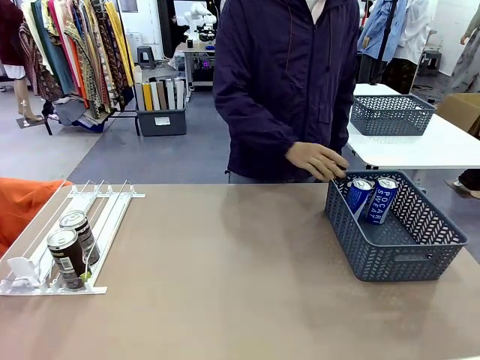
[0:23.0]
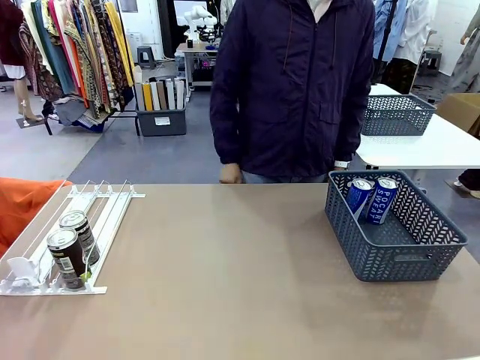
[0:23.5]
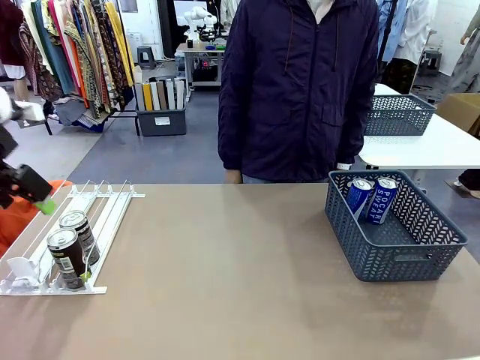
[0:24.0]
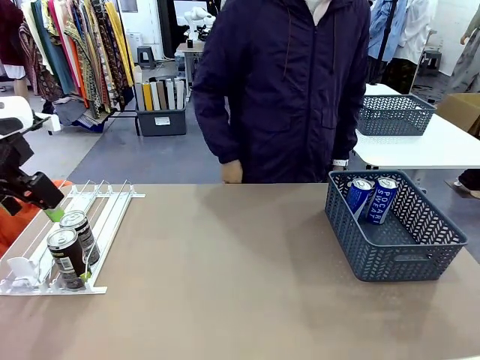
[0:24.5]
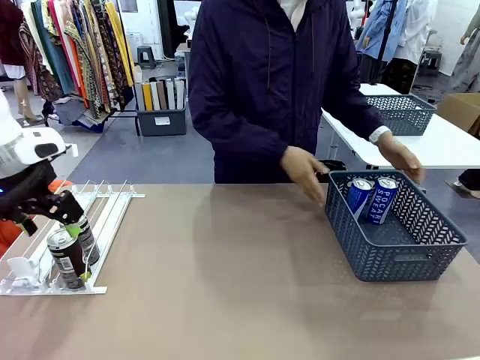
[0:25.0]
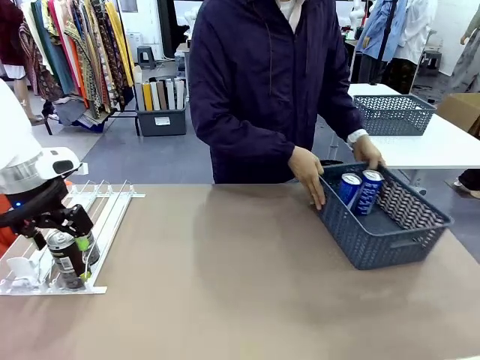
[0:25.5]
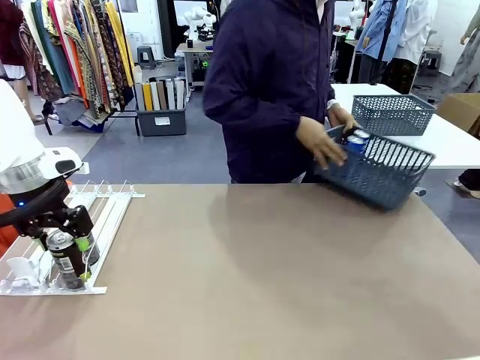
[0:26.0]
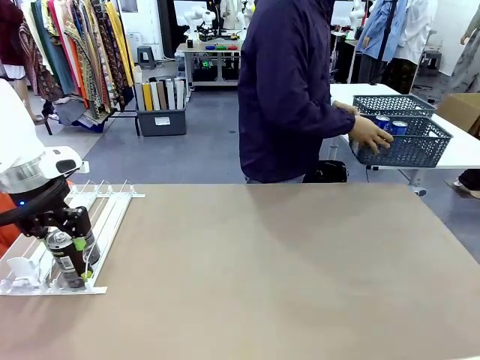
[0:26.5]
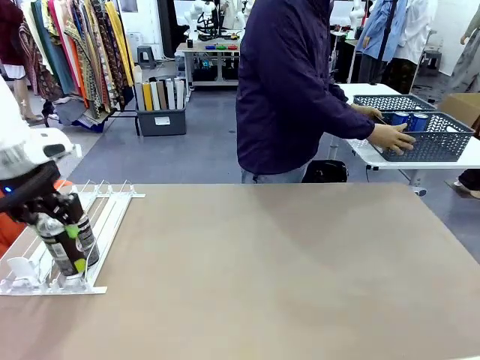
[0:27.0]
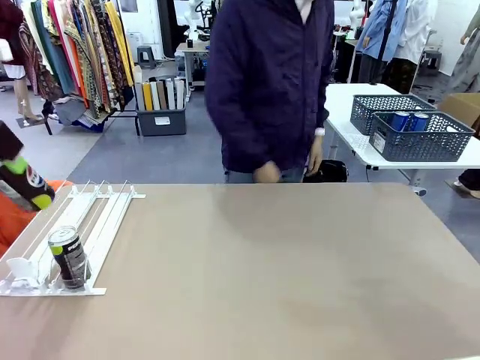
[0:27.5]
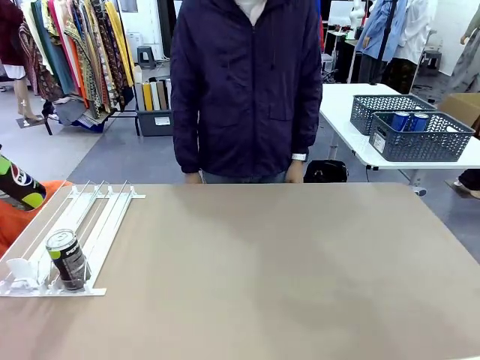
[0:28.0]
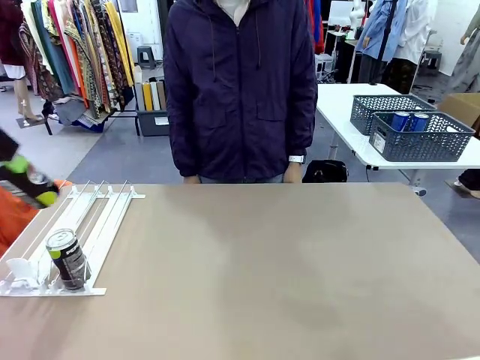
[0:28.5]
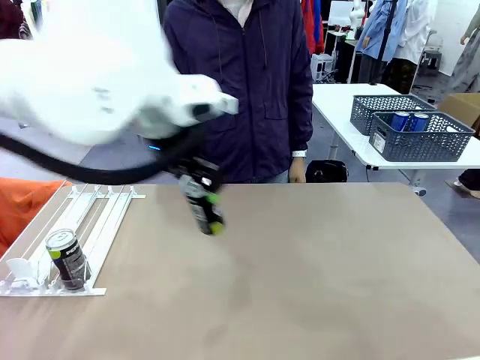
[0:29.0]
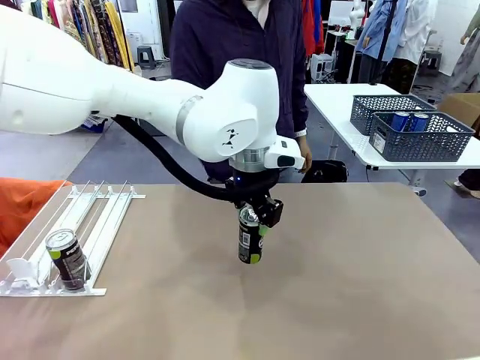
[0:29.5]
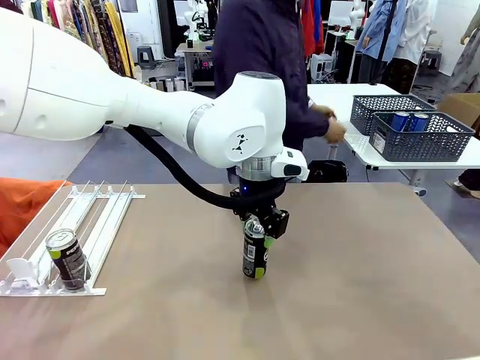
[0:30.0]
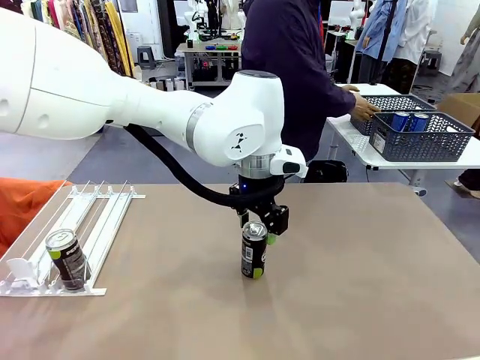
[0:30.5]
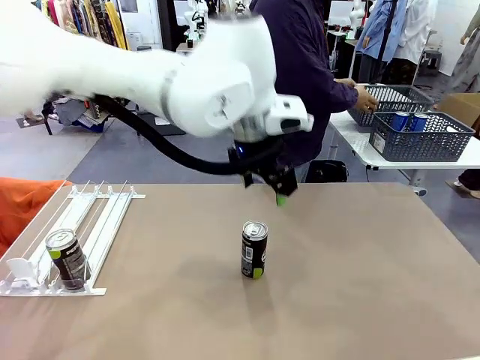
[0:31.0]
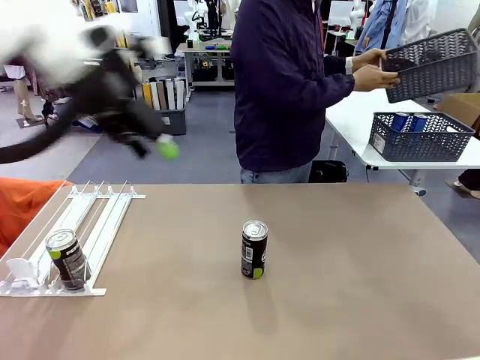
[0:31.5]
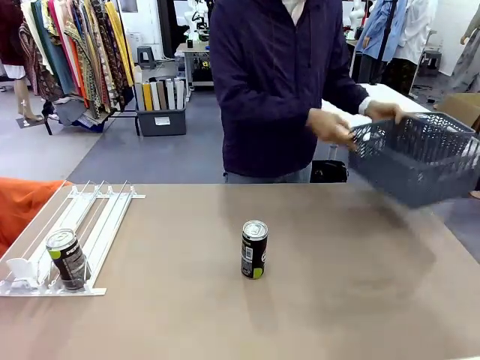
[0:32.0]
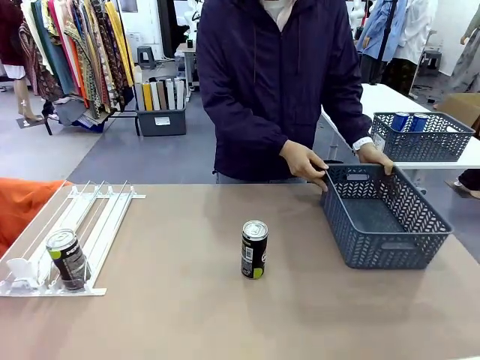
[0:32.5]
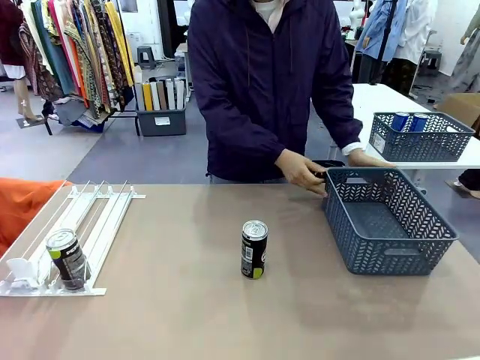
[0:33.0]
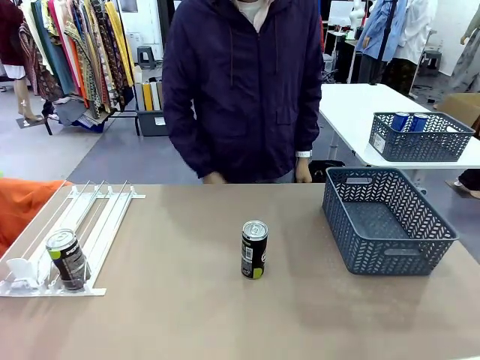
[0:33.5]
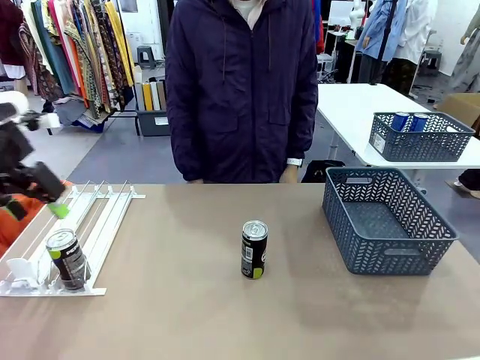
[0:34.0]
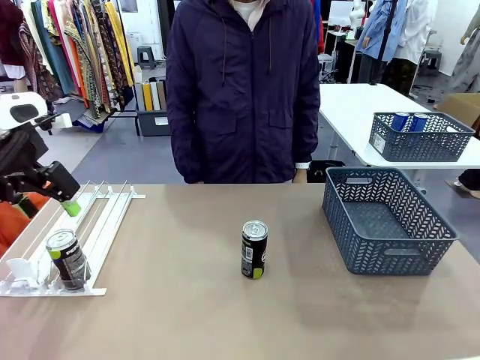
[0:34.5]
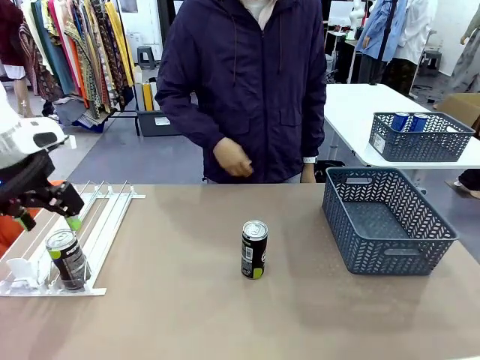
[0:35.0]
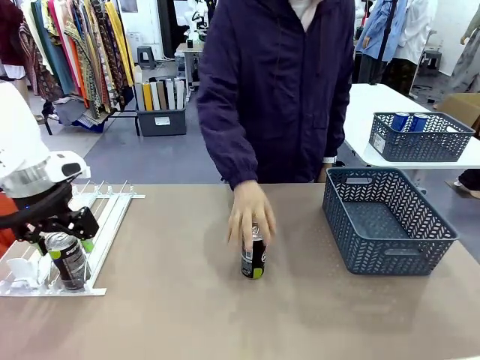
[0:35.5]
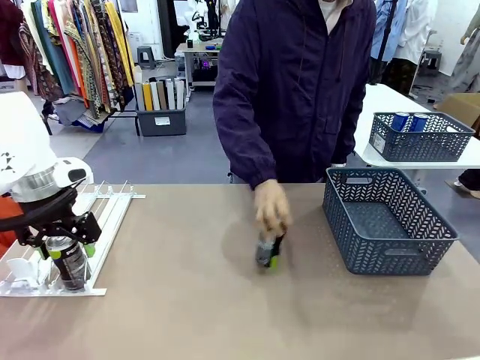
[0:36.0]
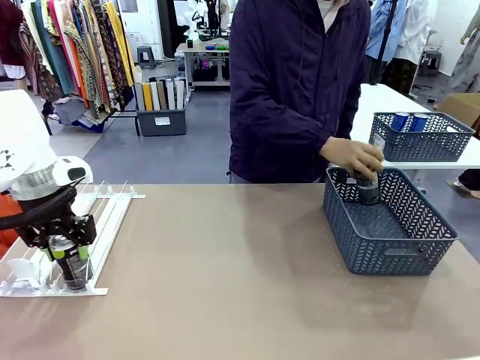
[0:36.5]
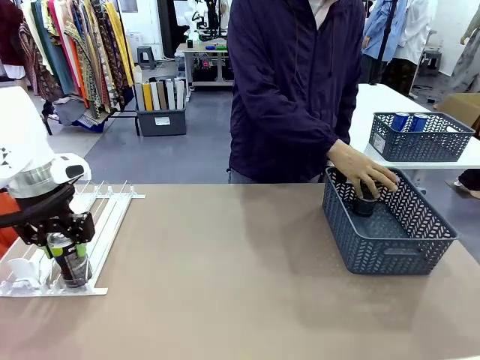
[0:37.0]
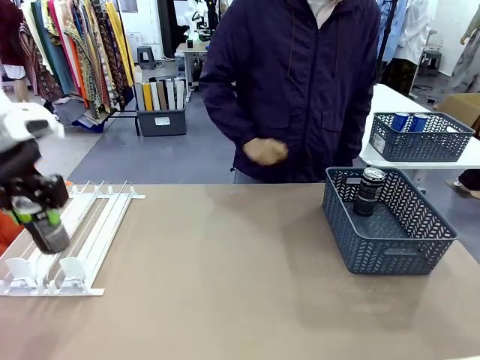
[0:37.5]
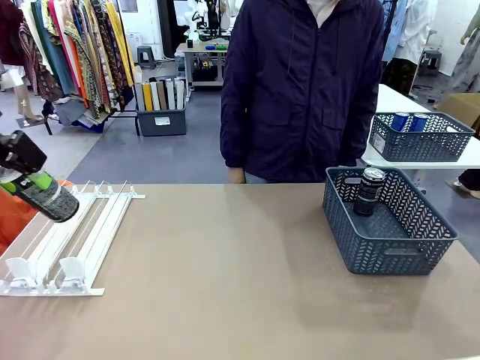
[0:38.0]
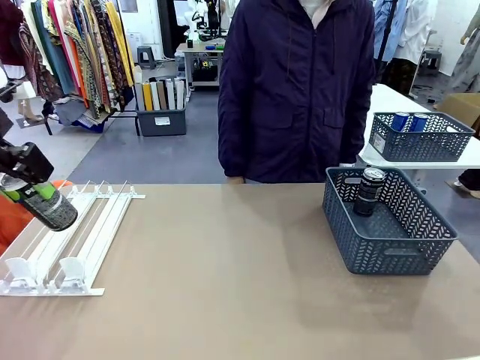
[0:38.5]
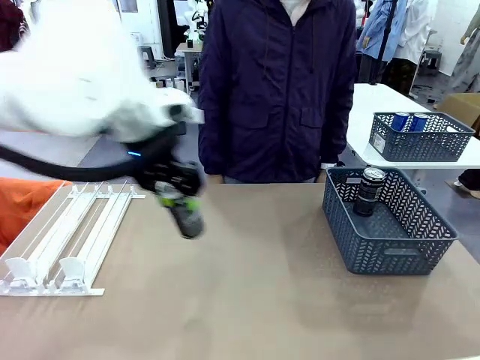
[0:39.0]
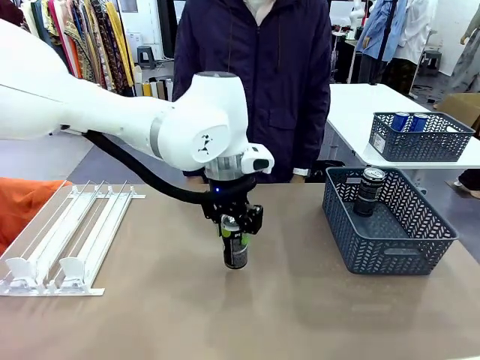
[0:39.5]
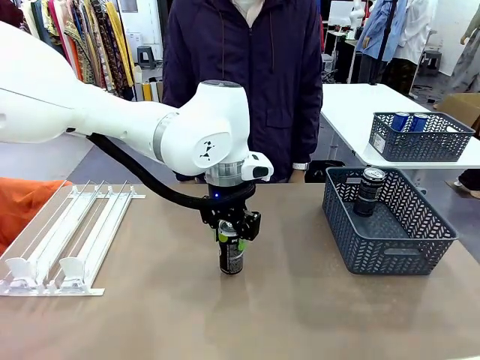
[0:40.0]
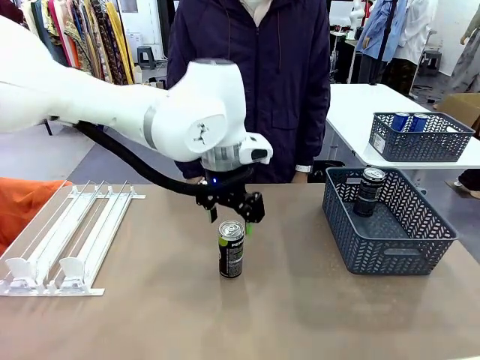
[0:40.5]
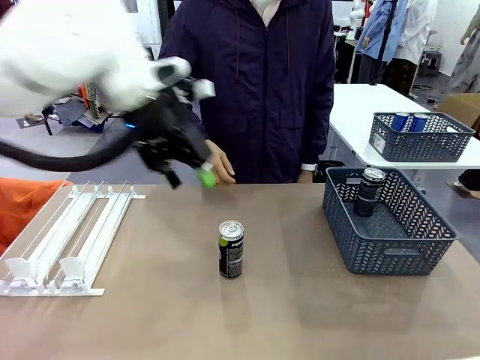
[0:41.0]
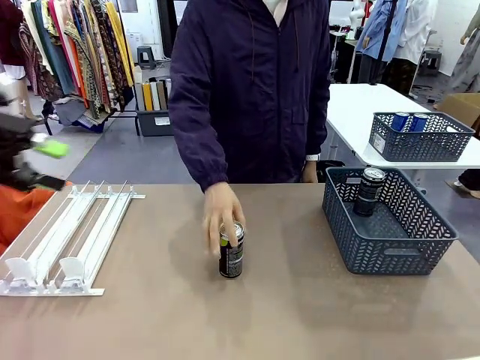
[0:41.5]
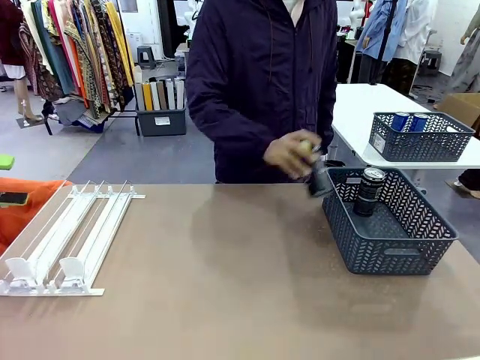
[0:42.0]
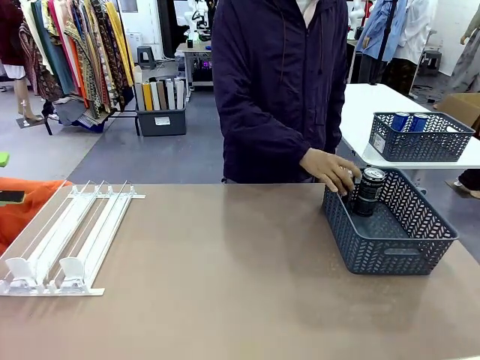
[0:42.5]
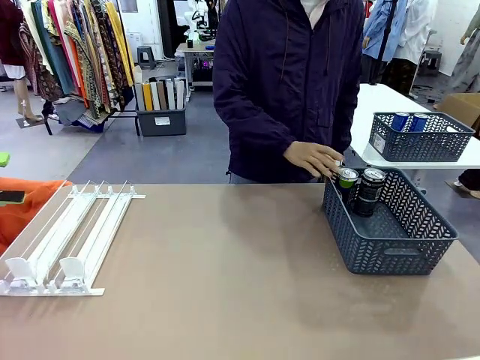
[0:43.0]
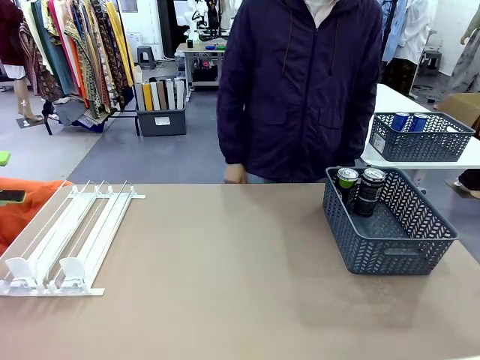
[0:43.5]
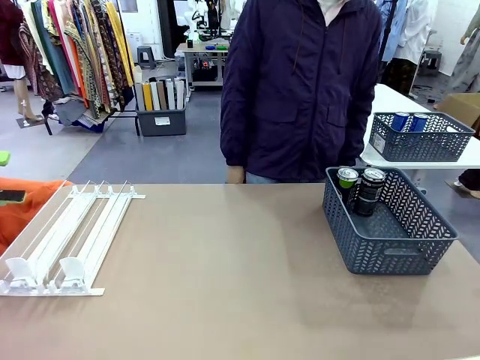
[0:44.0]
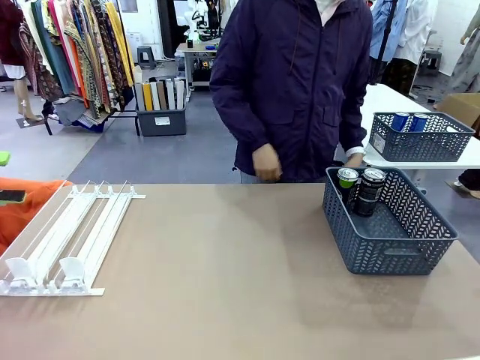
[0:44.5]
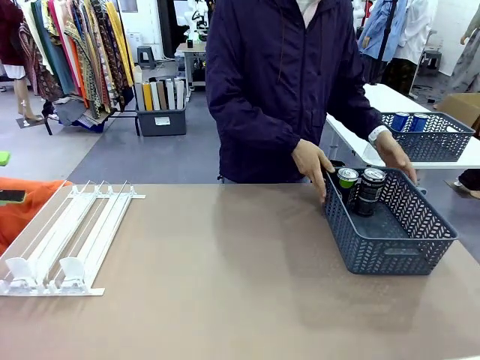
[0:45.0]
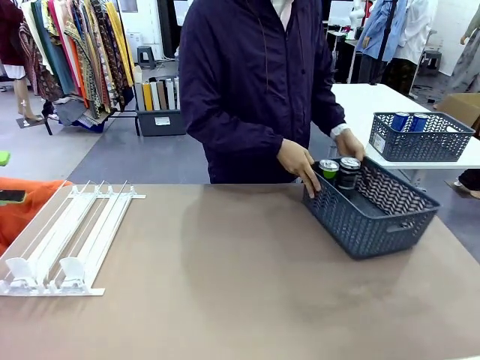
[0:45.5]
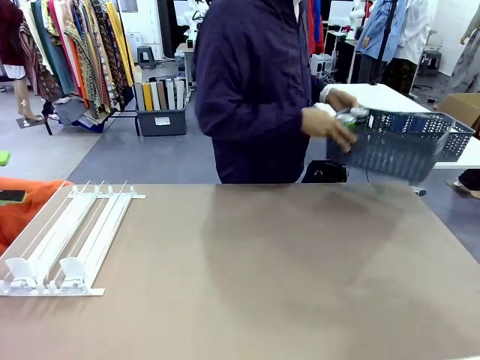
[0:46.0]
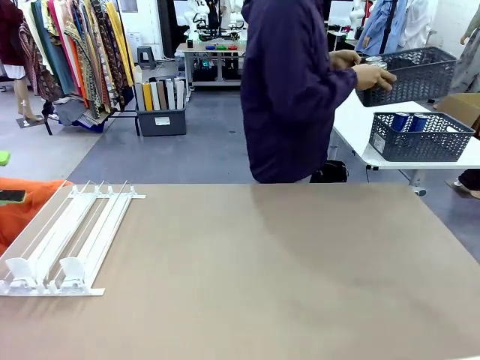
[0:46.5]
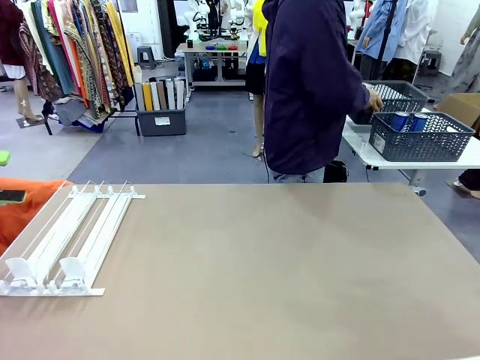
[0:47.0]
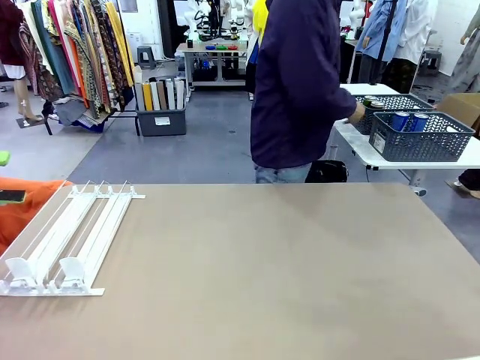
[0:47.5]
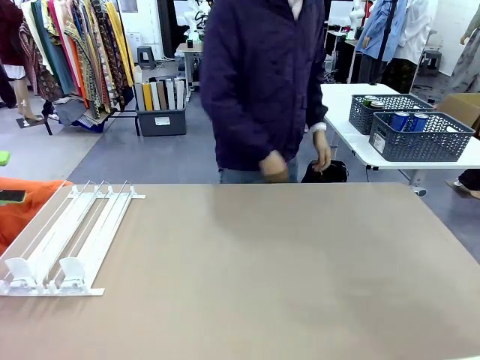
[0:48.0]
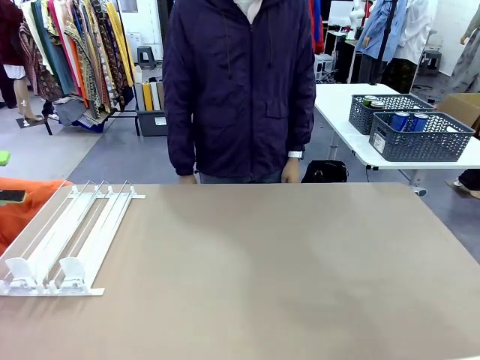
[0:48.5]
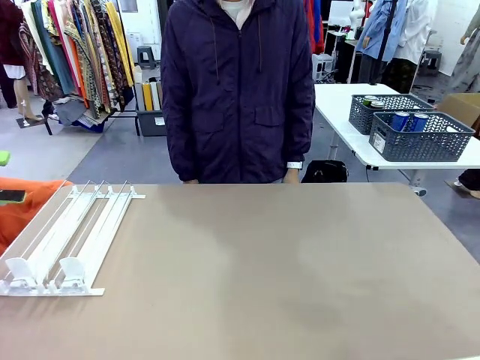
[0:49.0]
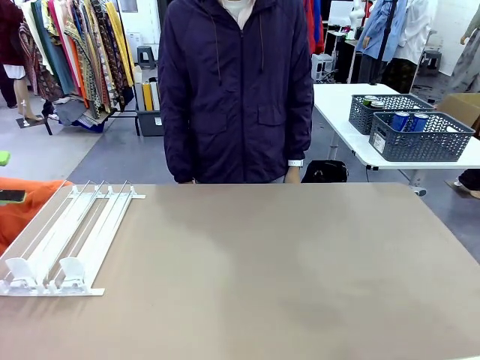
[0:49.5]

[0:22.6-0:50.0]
Task: Retrieve and store the cans from the dispenser.
Robot: Pick up one can from the Automatic Can Dispenser and place it in the middle of the table.
Person: Pick up the basket and place it in the middle of the human table. Pick up the empty basket and place it on the left side of the robot table. Pick up one sports drink can from the middle of the robot table and place it in the basket. Pick up the basket and place it in the middle of the human table.
